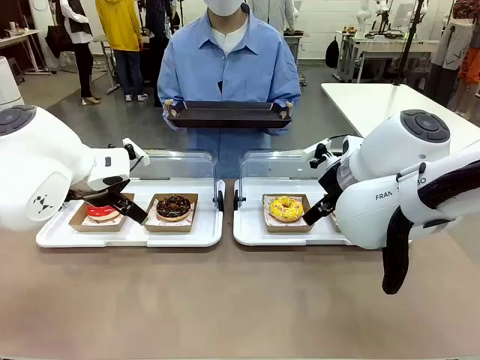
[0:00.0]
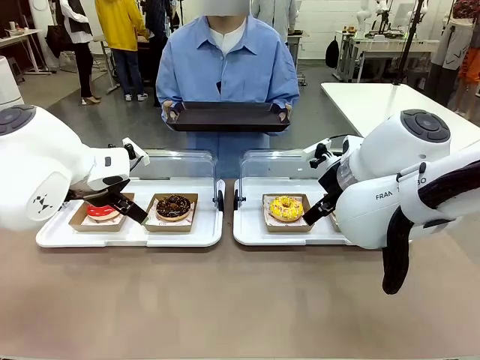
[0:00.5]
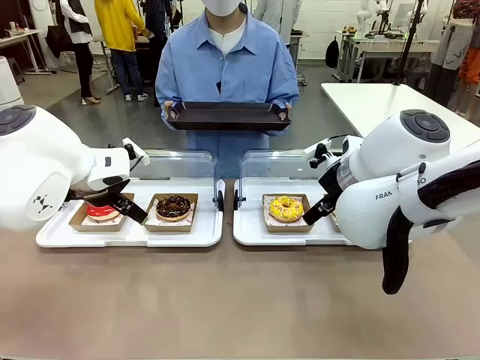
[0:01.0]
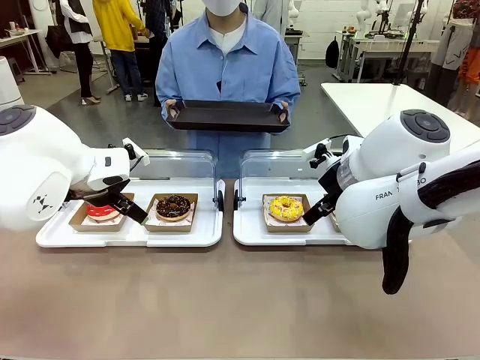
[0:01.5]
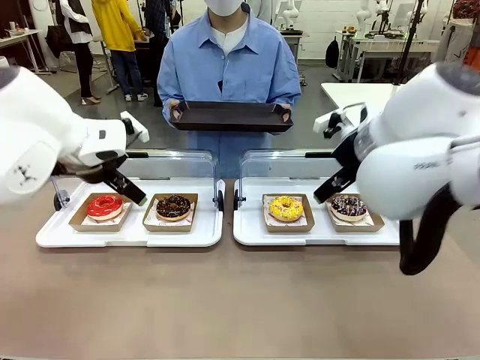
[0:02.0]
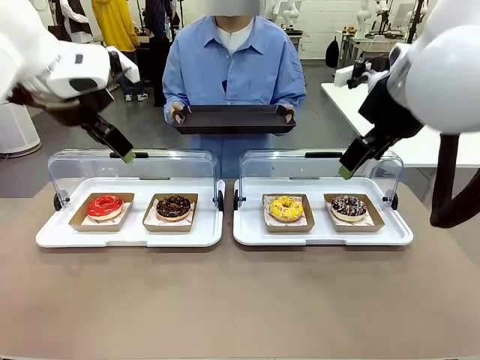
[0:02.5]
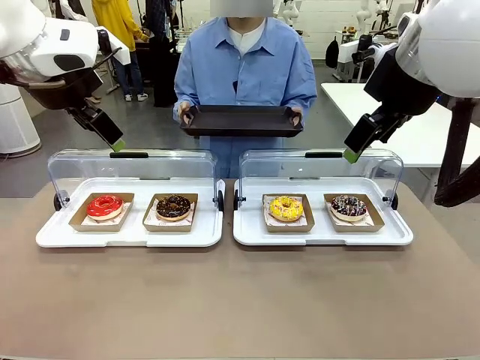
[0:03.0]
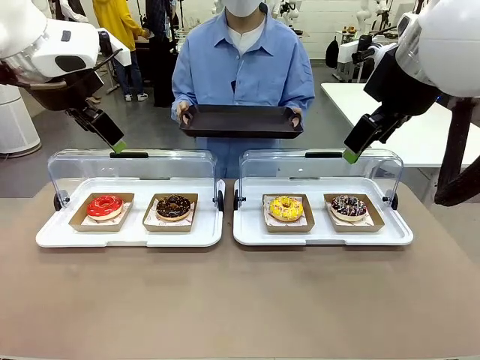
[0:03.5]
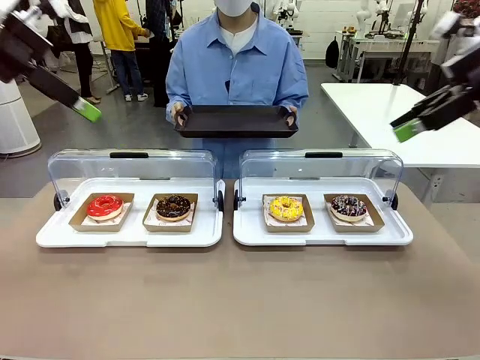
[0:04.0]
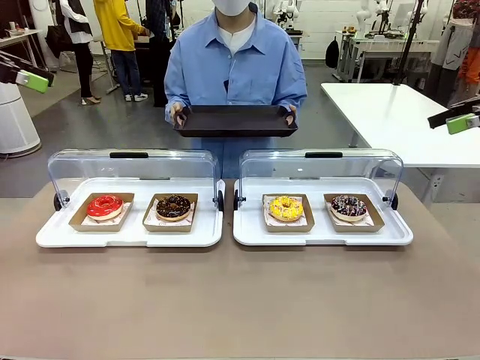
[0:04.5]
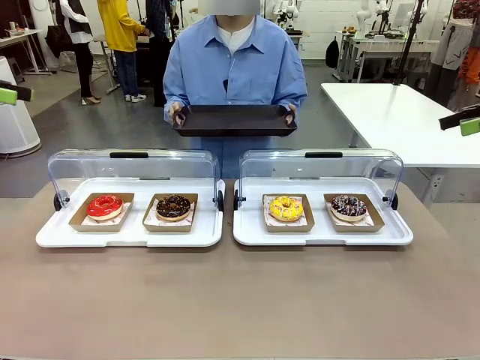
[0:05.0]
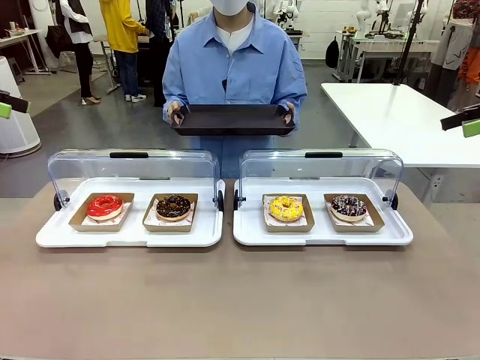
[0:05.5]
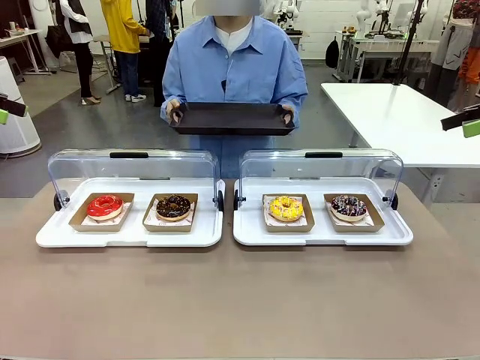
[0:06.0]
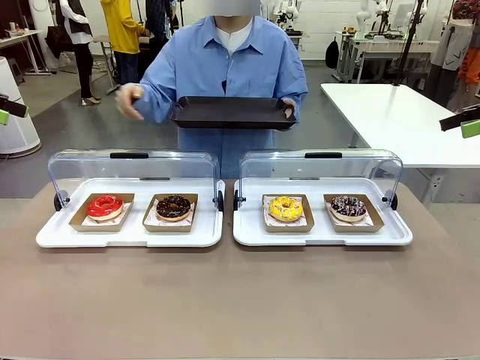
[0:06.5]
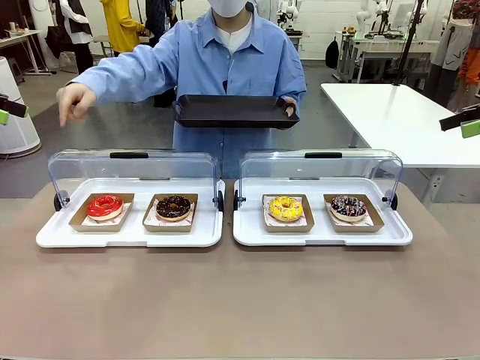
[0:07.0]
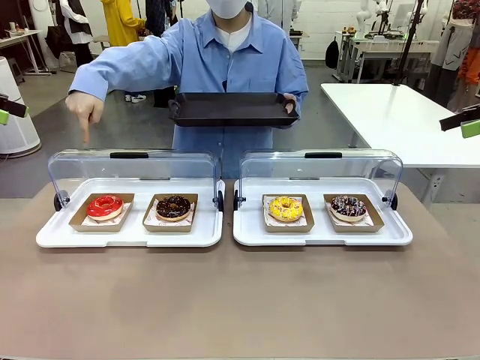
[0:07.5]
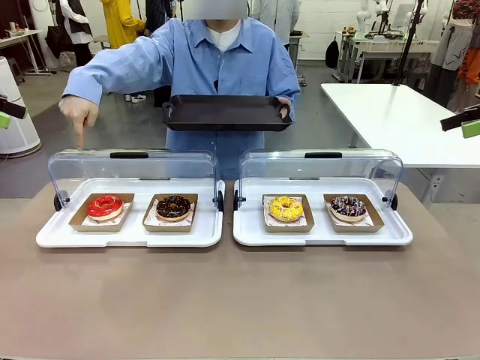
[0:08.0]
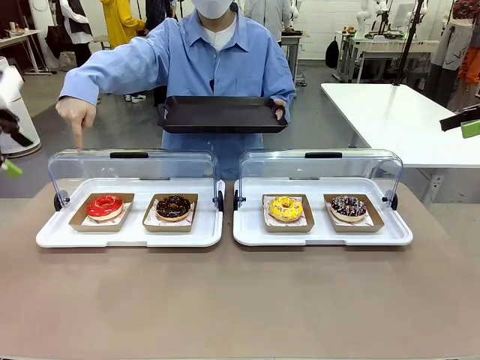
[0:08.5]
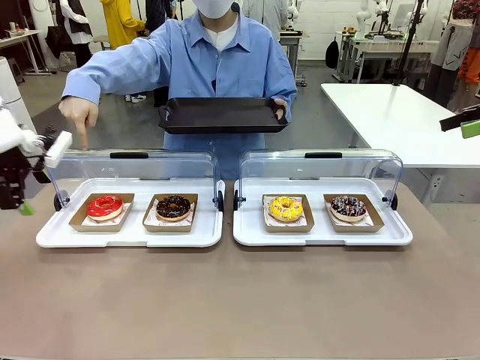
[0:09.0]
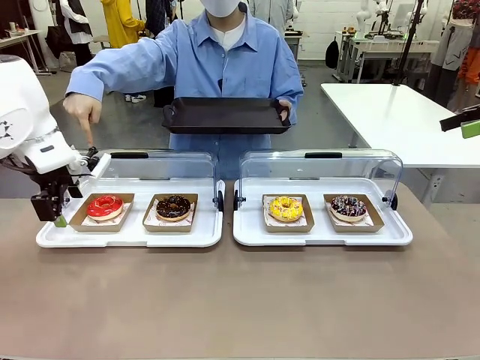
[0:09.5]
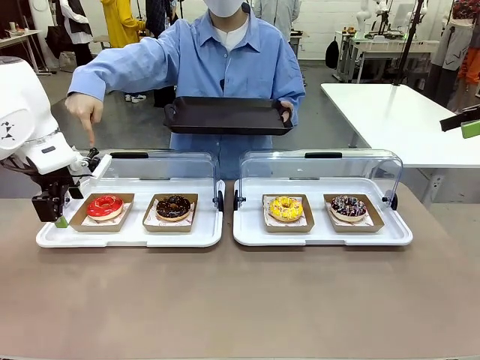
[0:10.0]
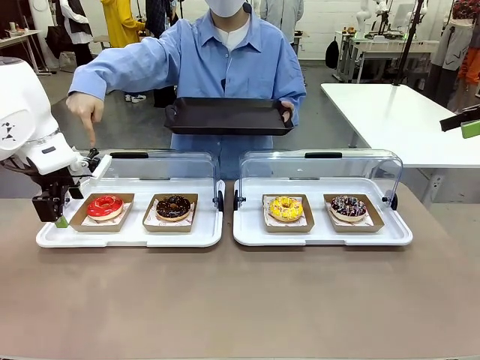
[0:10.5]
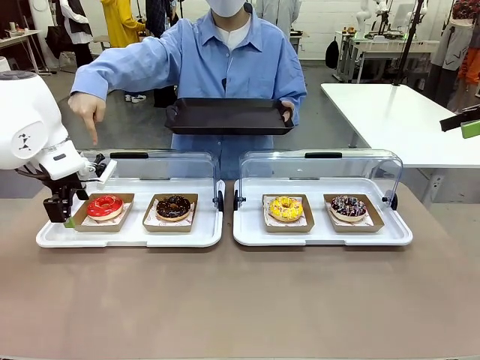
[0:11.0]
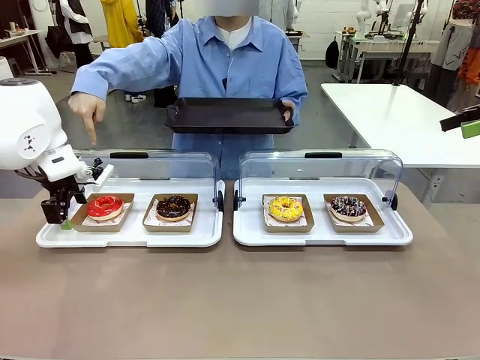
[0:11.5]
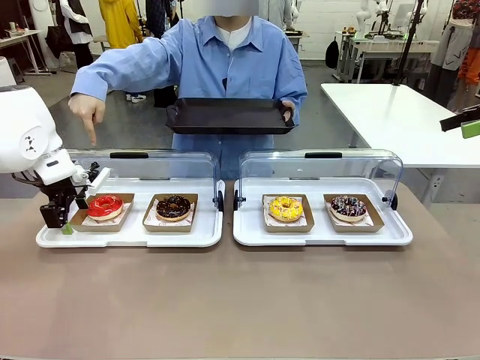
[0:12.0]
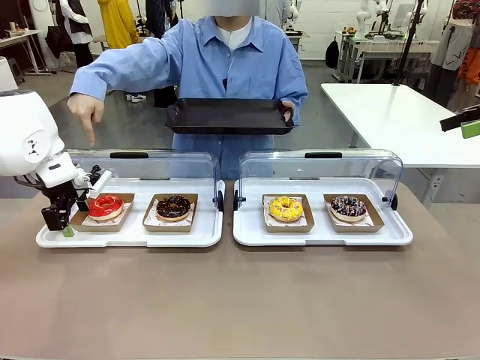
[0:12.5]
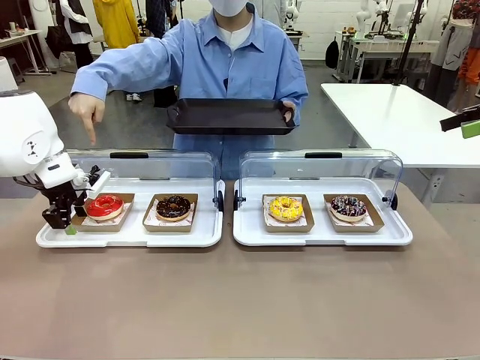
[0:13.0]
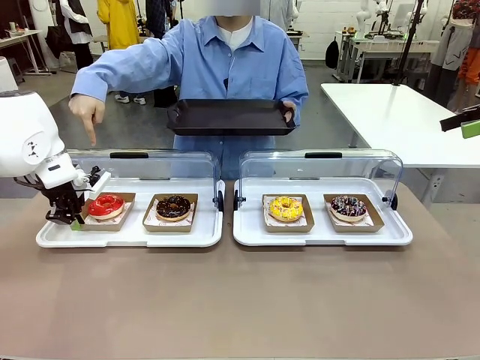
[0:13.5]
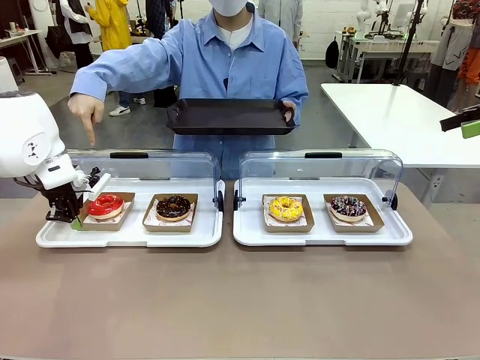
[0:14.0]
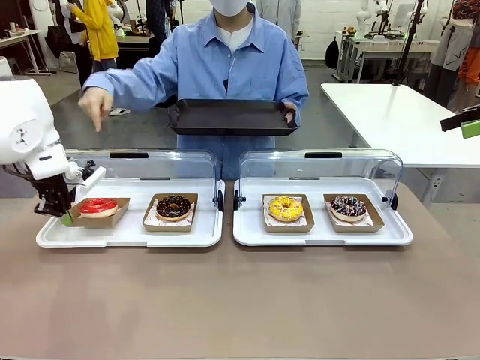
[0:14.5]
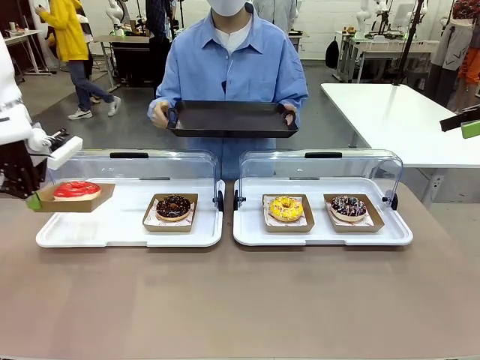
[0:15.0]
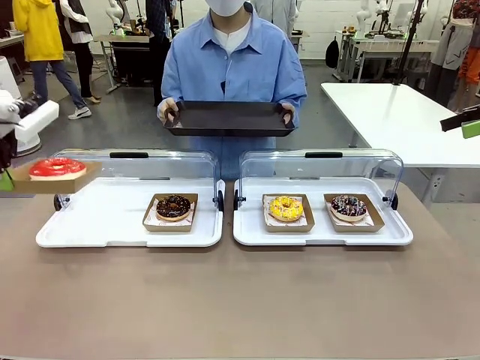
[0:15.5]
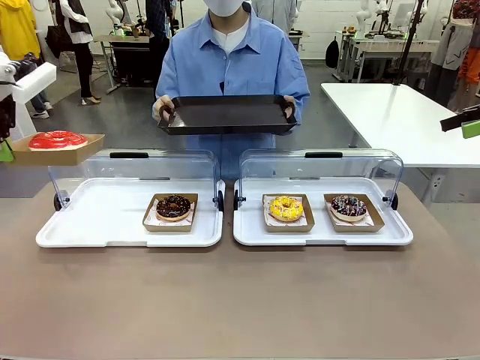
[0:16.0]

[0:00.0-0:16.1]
Task: Provide the desired donut to the person.
Robot: Pick up and lift the Paper togo box containing the Donut pointed at by the person.
Person: Point to one donut. Lift the tray onto the Roll-Top Bakery Case.

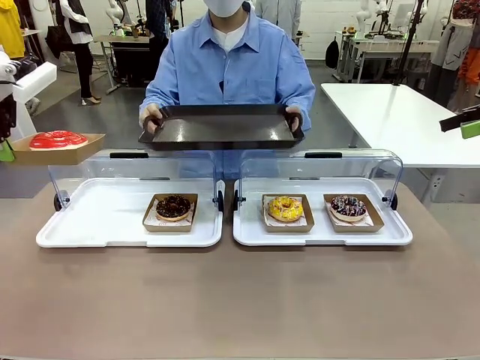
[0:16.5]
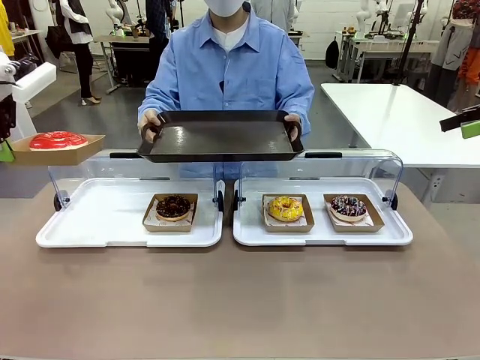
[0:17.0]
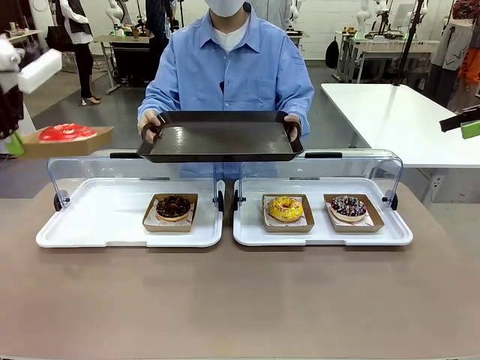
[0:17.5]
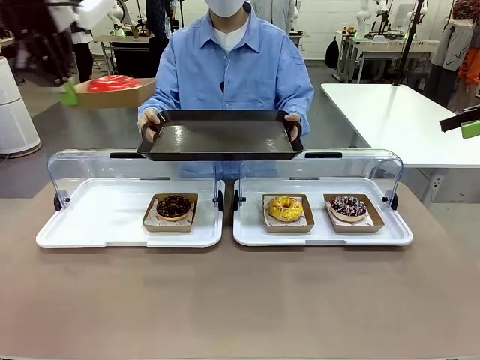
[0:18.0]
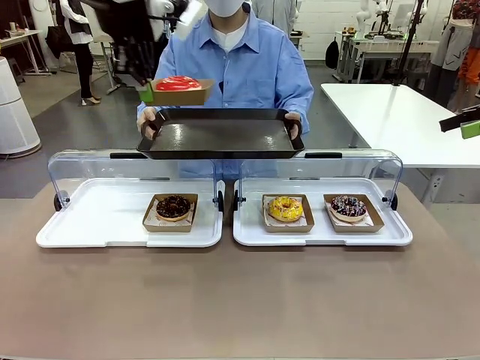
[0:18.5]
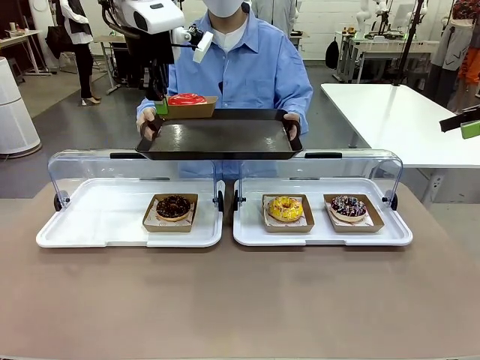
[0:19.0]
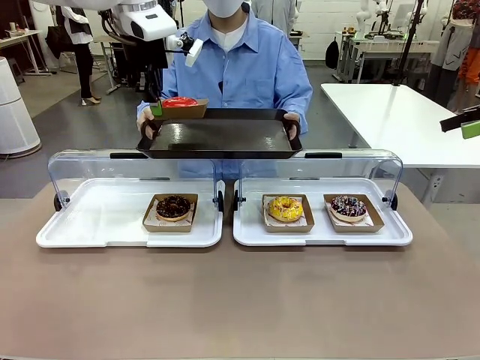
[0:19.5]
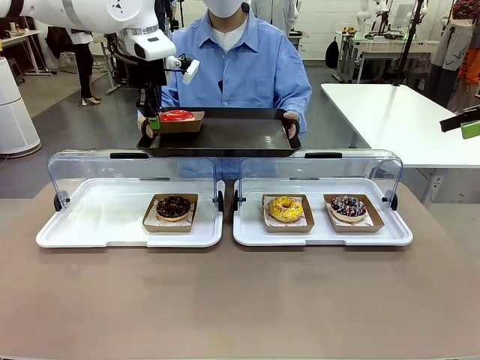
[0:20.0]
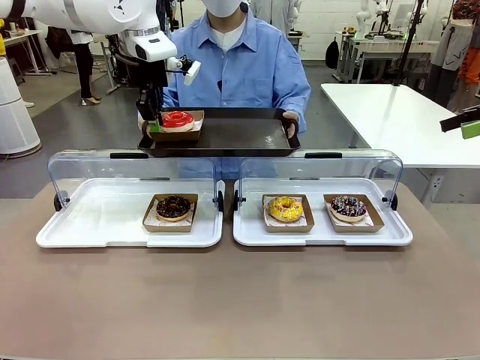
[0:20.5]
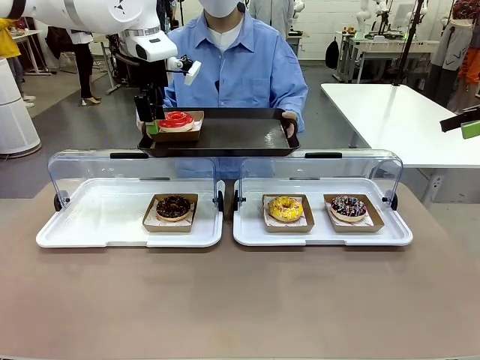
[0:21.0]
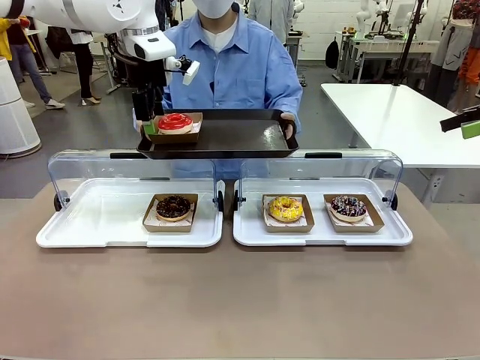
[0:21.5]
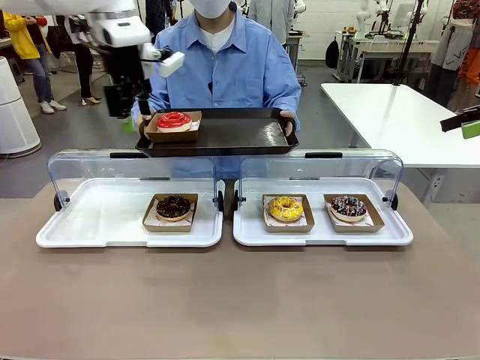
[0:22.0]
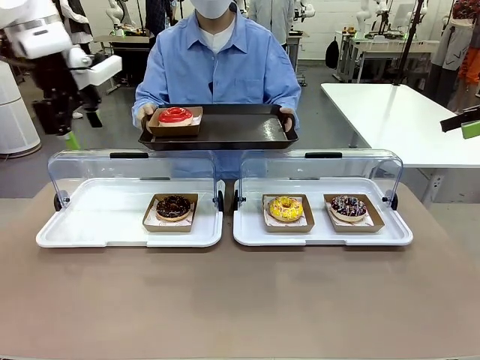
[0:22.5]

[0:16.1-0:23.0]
Robot: Place the picked Paper togo box onto the Handle tray extended by the person.

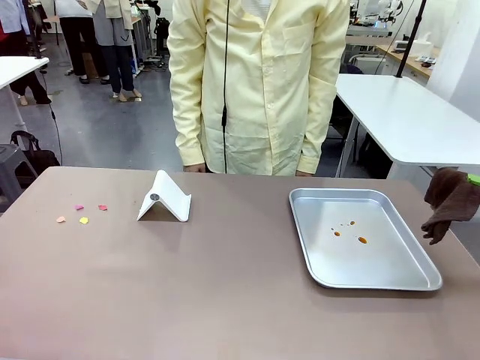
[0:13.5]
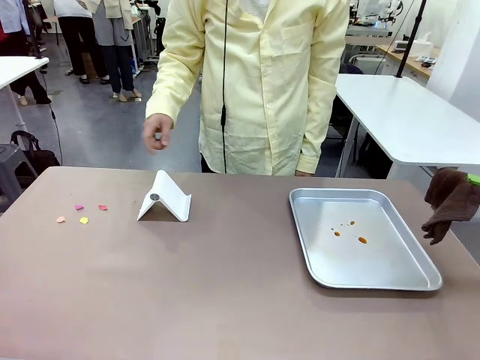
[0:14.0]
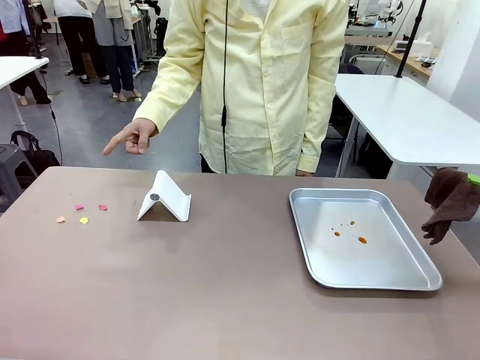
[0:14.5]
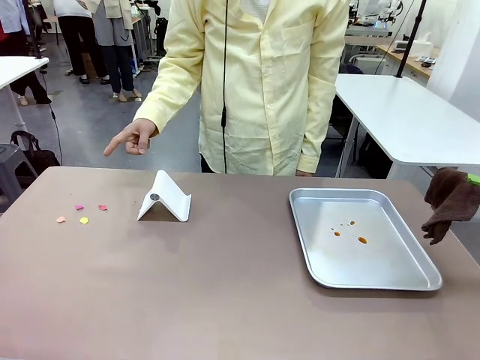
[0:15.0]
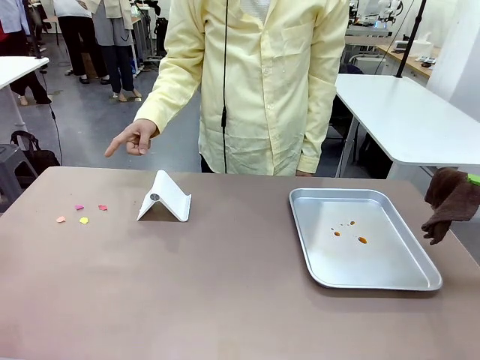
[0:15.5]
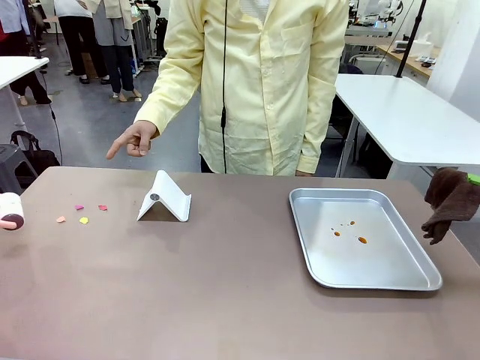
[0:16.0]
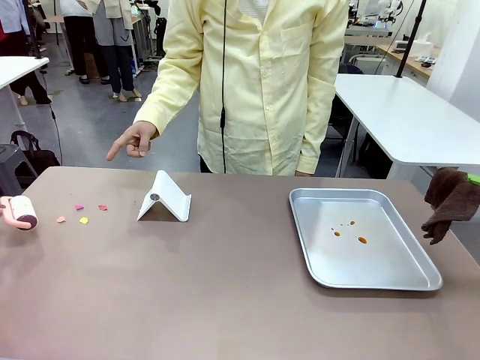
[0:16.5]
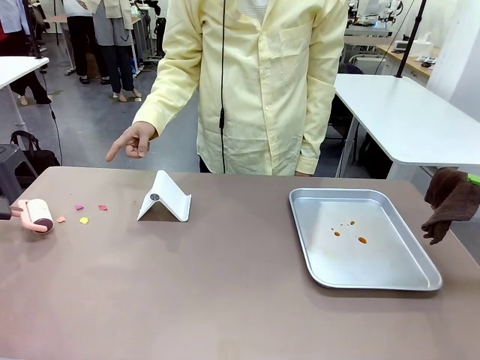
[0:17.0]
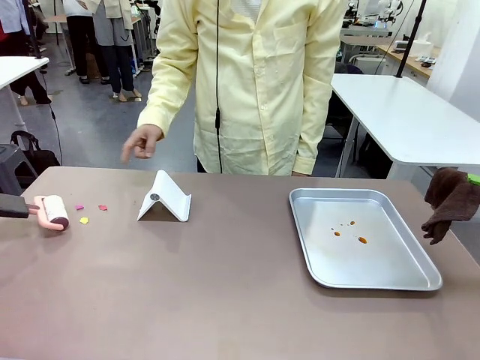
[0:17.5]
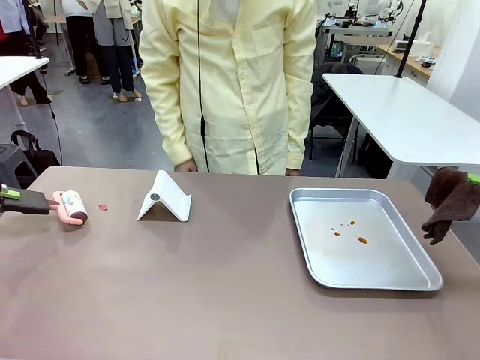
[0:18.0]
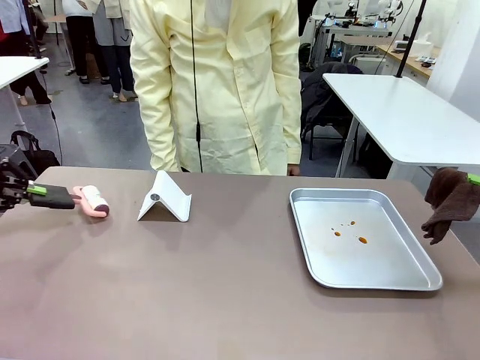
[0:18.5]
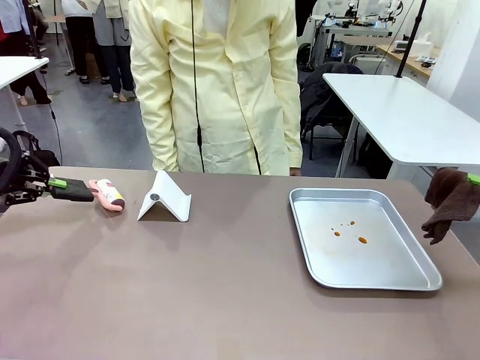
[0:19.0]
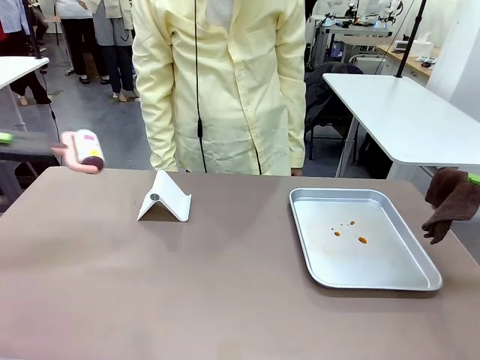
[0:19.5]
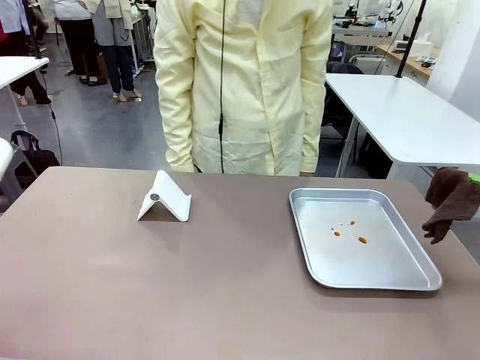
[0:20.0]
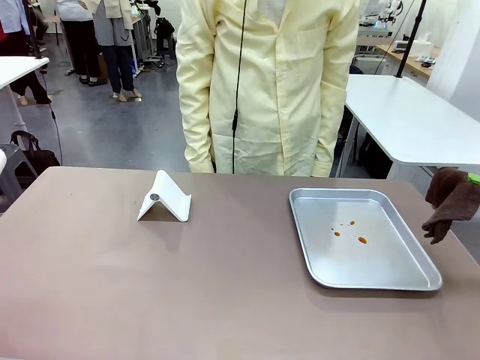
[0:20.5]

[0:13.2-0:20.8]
Task: Clean the surface of the table.
Robot: If a person points to the right, clean the right side of the table with your right hand, and if they point to the left, clean the left side with your left hand.
